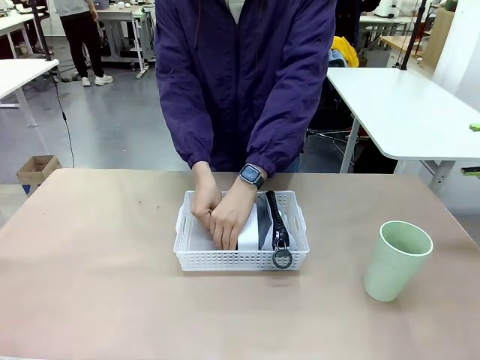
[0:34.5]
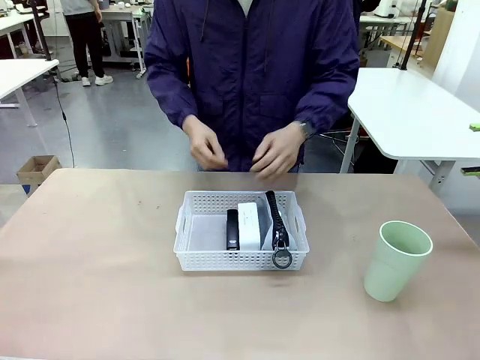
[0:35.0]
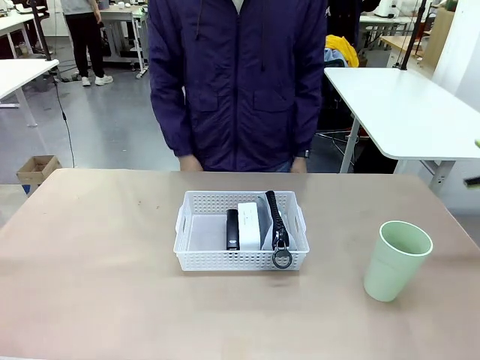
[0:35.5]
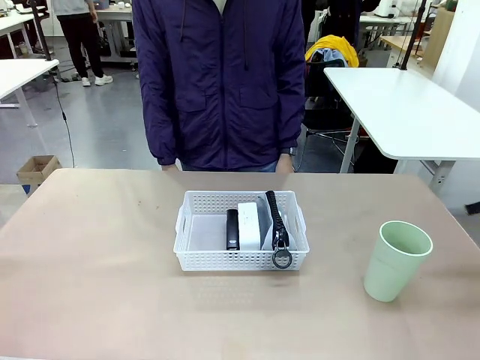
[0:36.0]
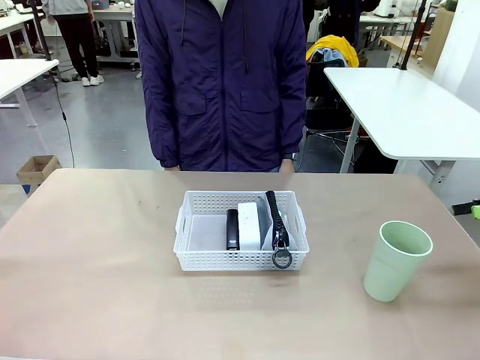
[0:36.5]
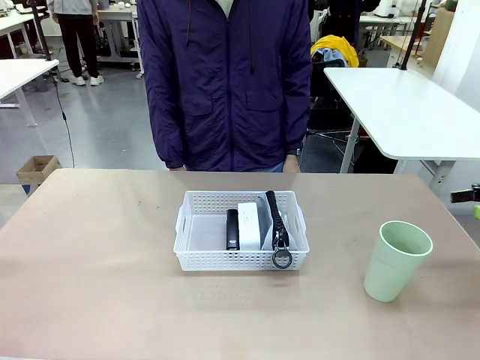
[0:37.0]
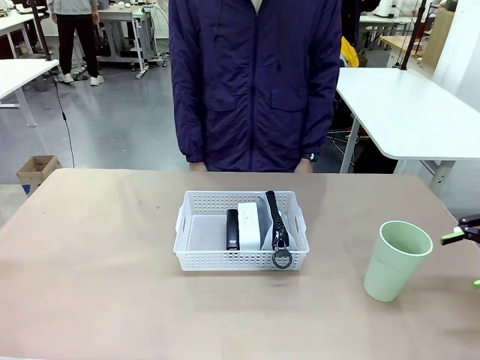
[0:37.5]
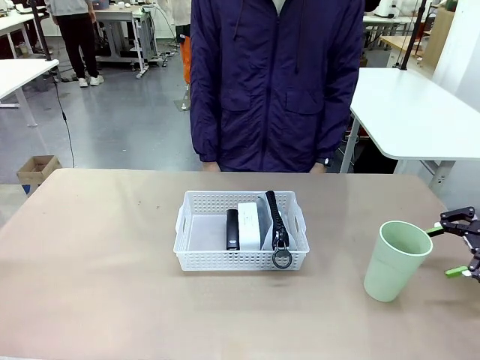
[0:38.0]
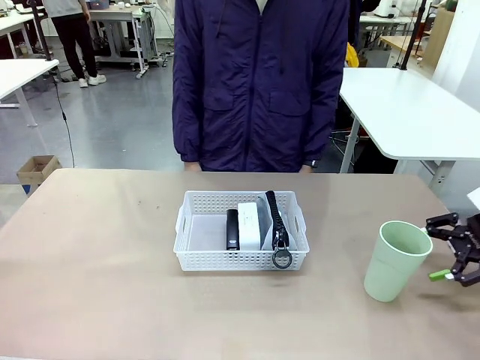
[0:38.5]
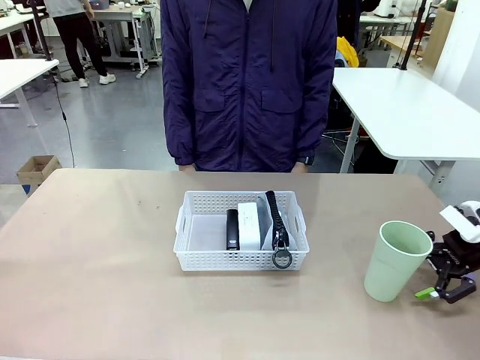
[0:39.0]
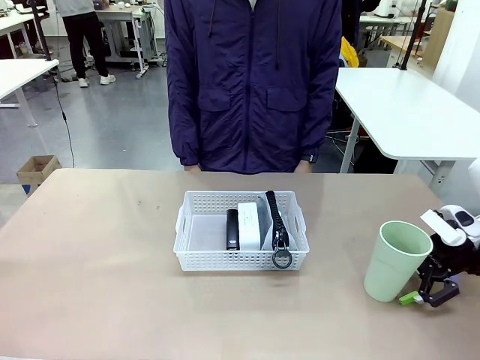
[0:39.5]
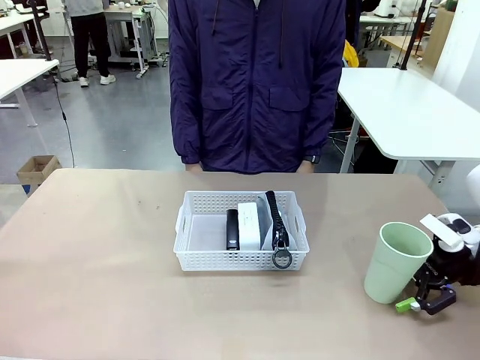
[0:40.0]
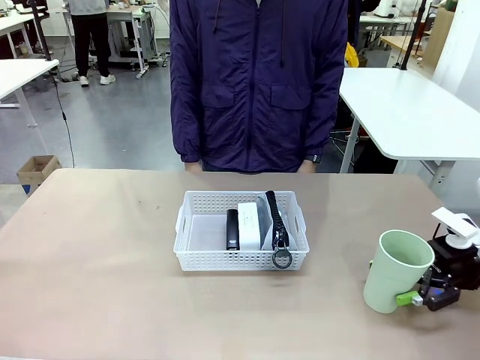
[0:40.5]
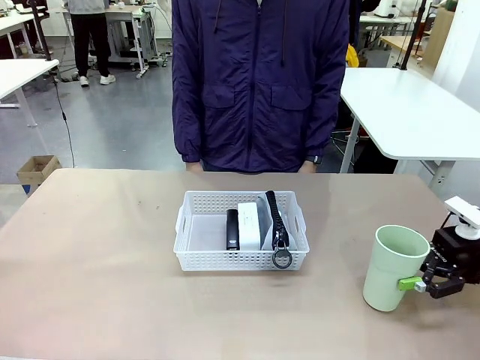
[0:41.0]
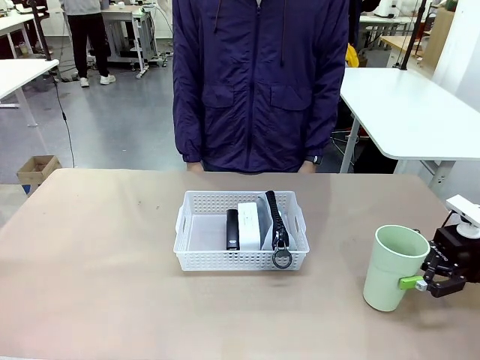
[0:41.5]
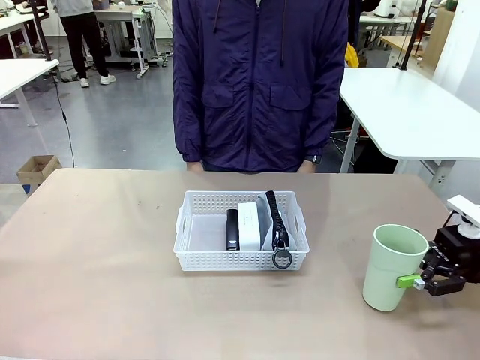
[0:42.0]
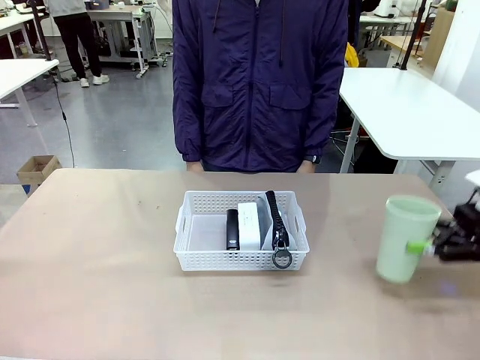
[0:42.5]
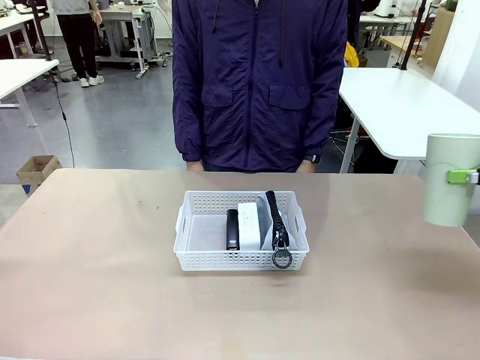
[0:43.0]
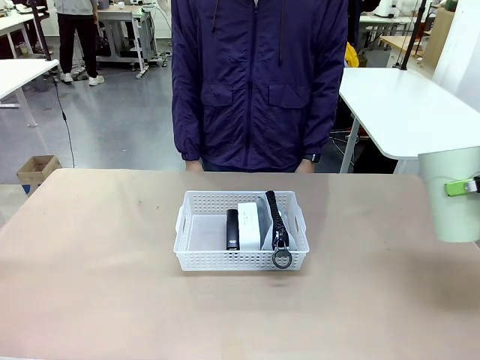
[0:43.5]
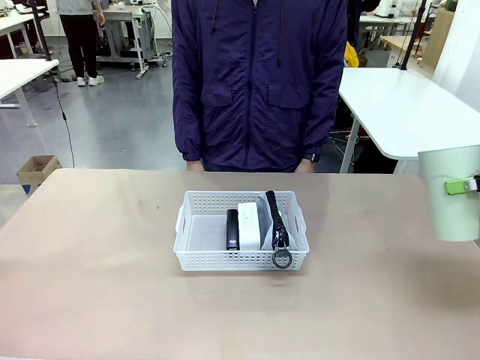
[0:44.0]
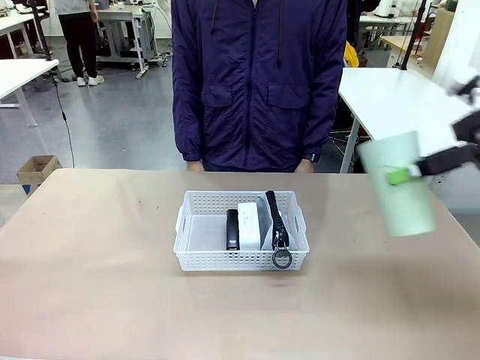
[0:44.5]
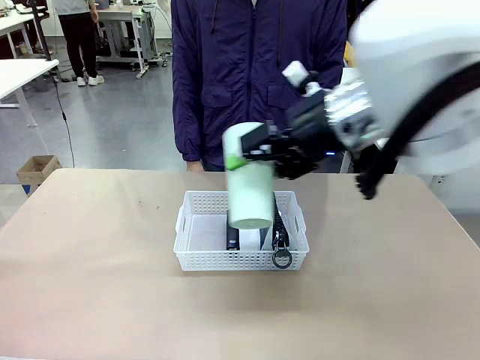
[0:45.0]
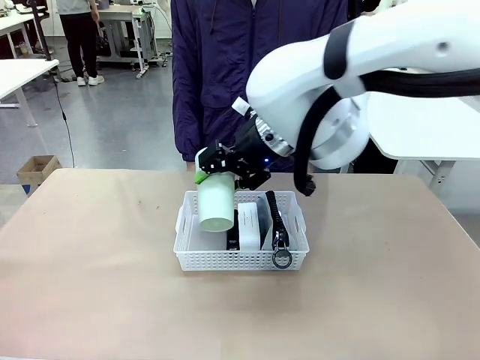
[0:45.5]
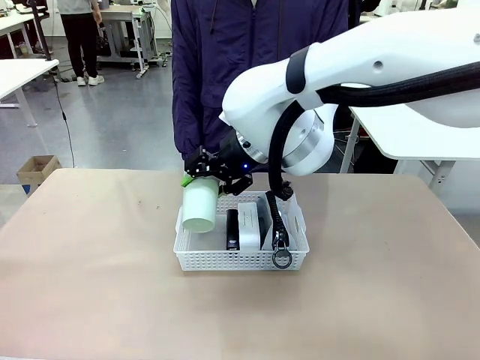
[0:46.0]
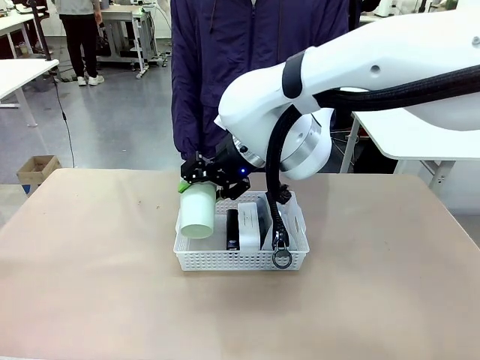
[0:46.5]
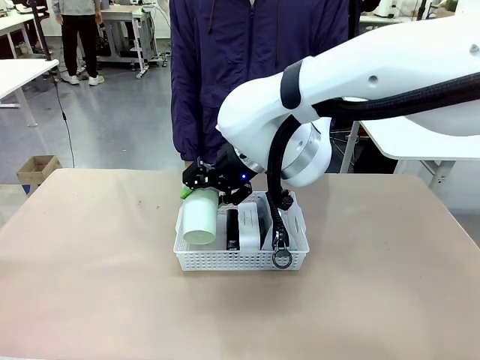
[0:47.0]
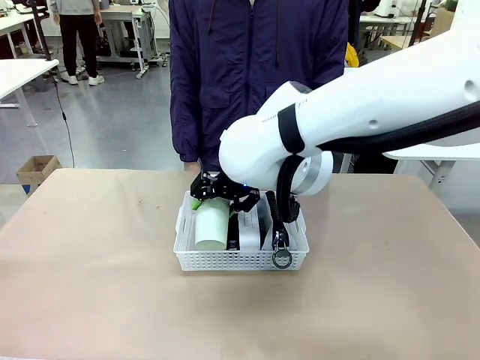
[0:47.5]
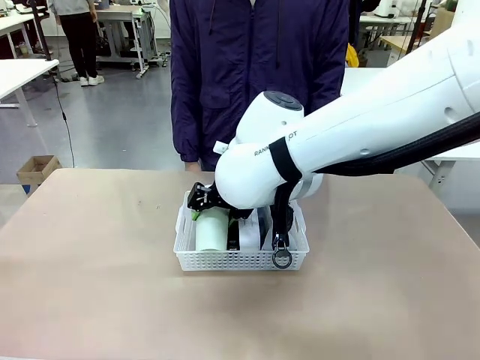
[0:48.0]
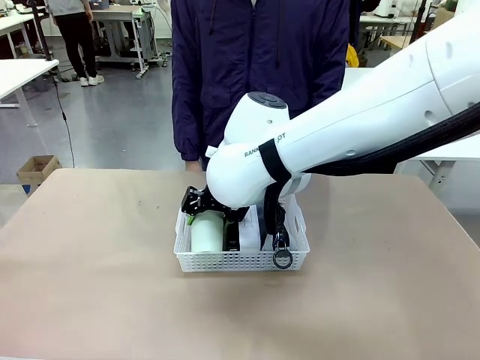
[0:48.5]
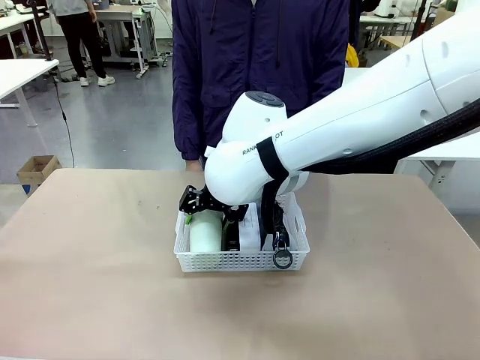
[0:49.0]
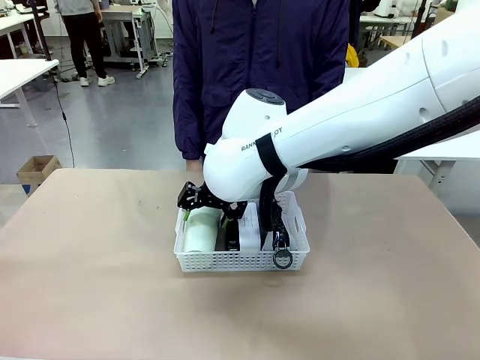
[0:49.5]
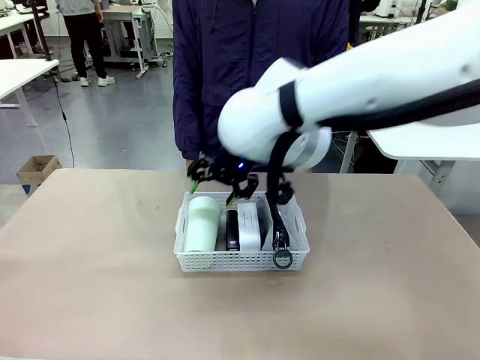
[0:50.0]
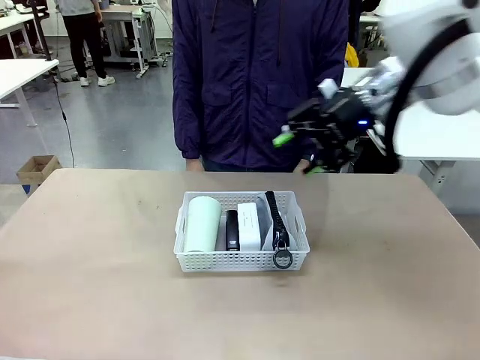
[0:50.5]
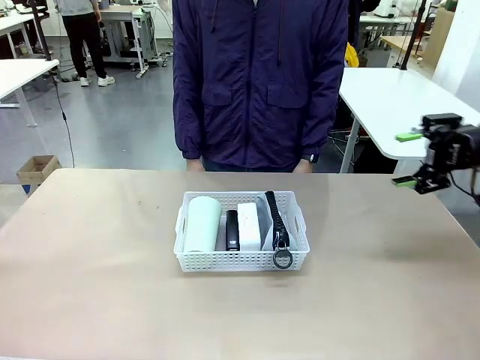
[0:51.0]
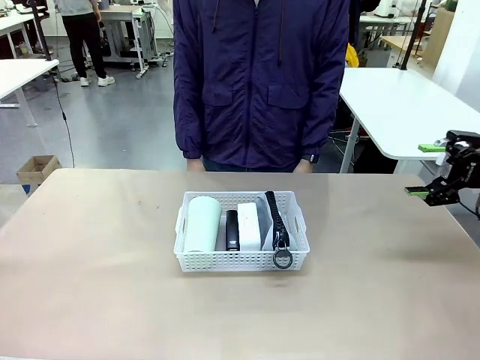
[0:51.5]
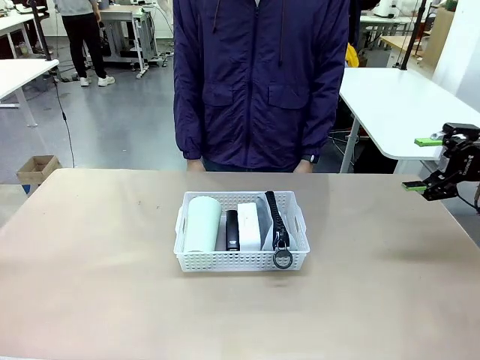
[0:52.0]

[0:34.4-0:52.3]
Task: Efficiently arrange items inside the basket to fit them all.
Robot: Pick up the Reusable plastic cup and place it inside the Organizing basket.
Person: Repositions the stapler.

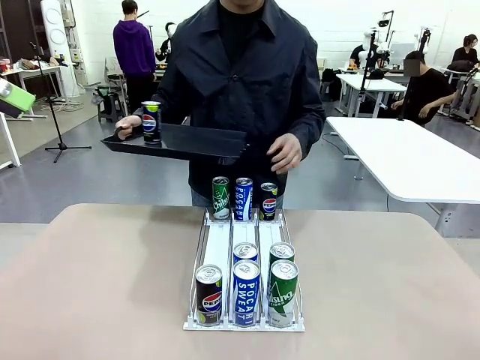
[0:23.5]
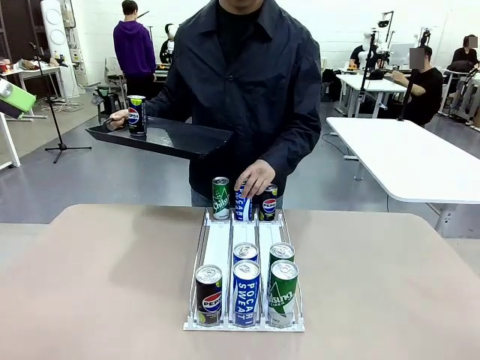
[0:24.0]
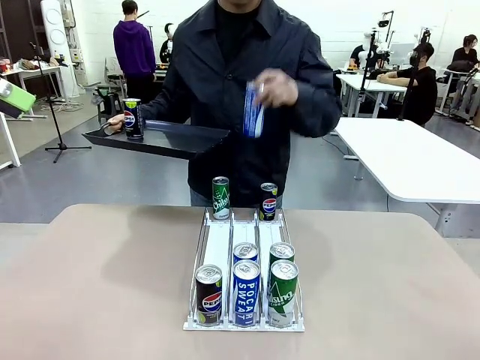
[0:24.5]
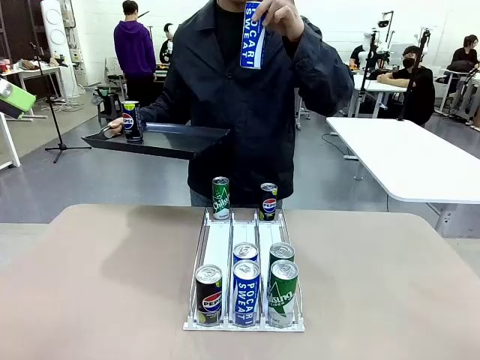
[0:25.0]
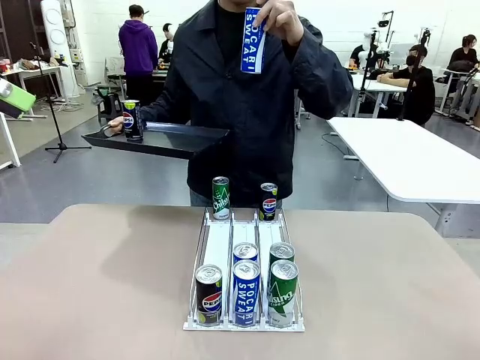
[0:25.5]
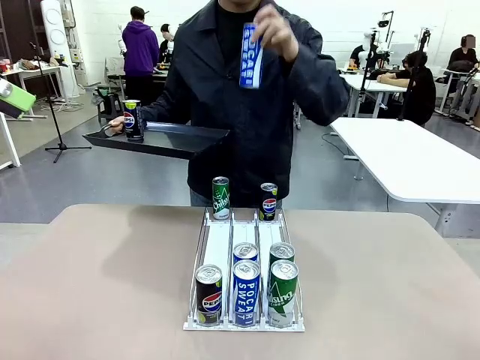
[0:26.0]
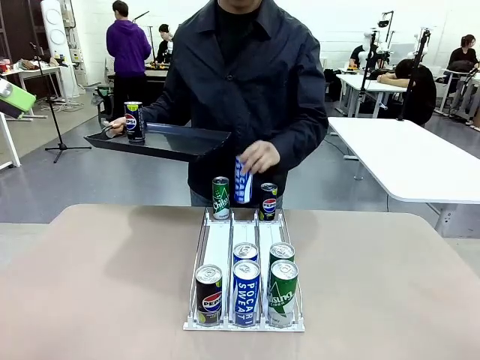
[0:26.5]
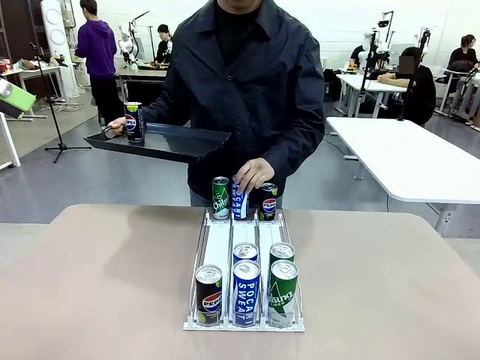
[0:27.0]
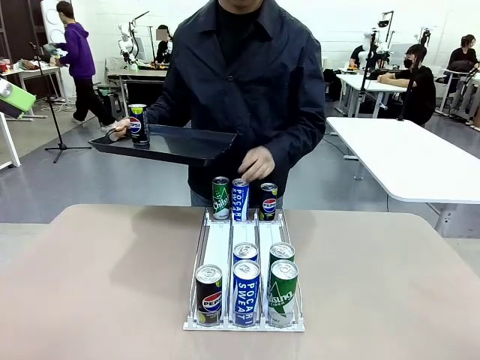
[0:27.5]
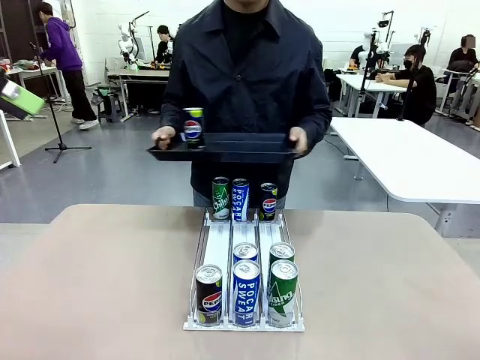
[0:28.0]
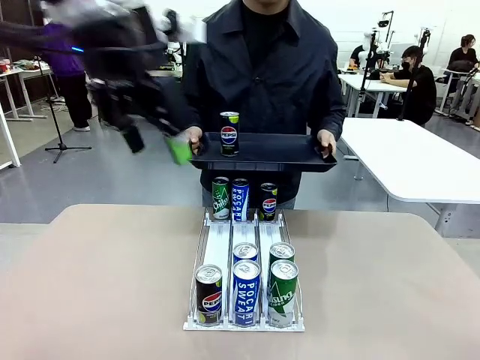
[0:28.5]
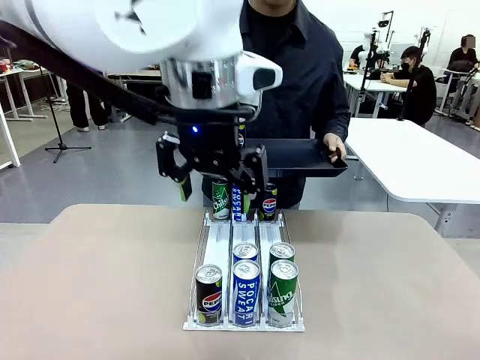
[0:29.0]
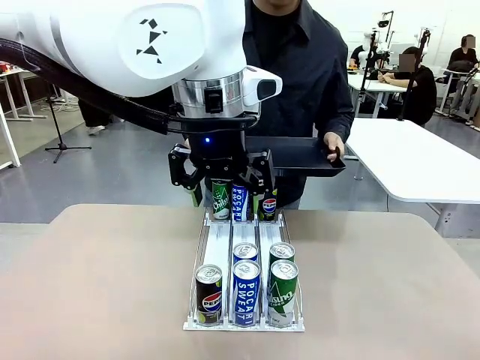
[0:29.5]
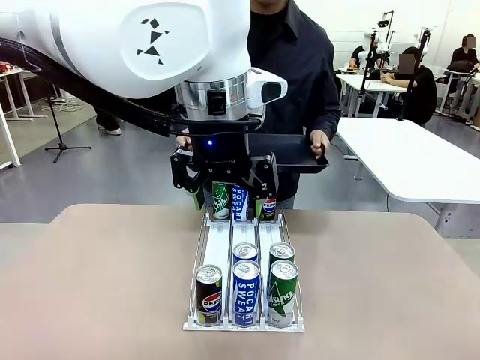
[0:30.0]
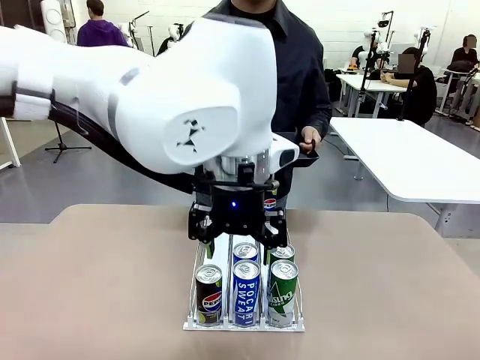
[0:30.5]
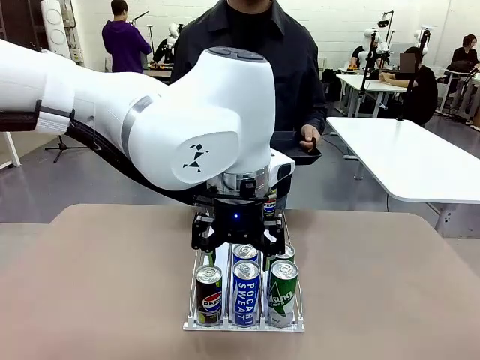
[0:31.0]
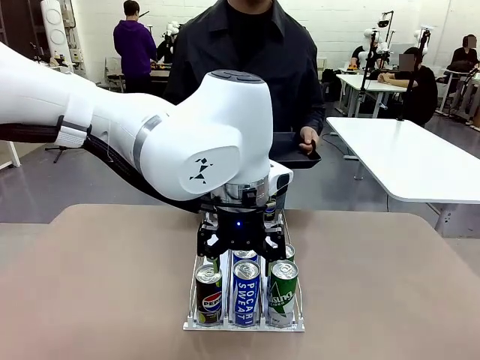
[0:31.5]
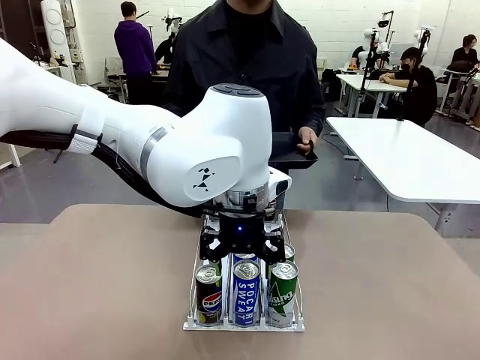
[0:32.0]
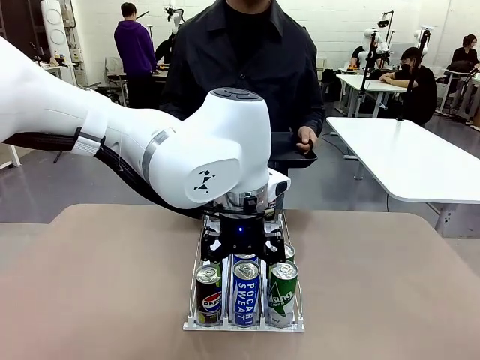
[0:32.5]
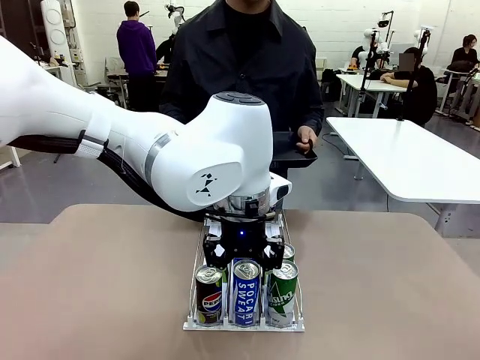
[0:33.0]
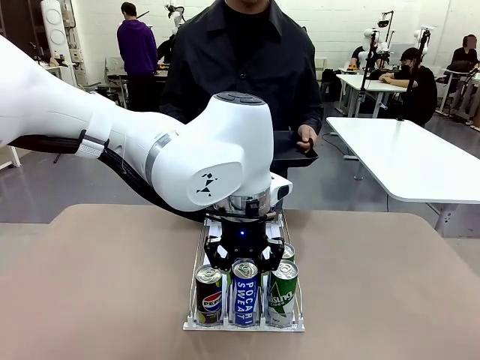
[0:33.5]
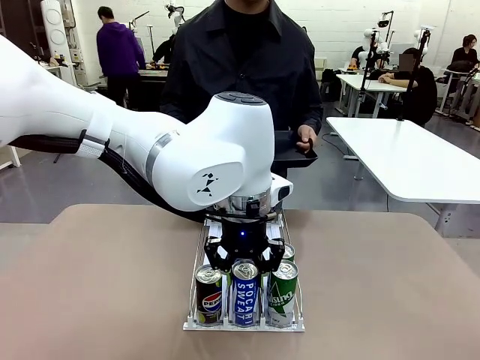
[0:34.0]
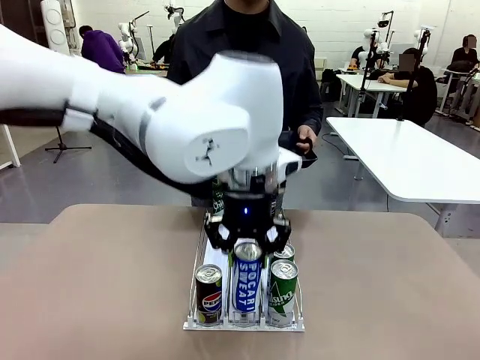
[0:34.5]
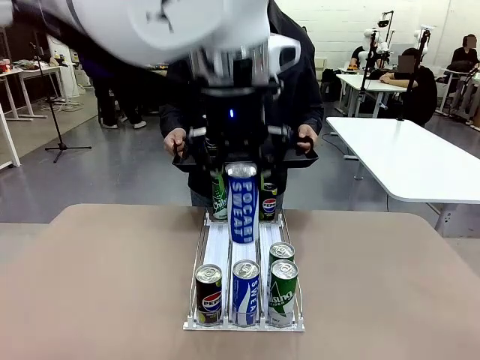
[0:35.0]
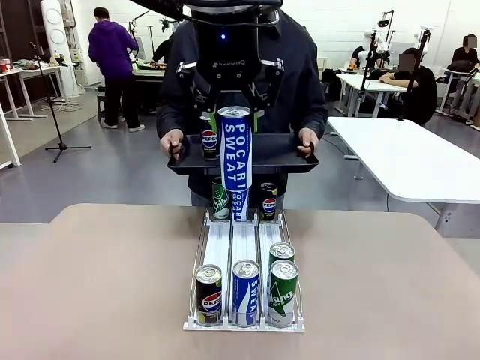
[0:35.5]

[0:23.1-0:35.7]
Task: Retrieve and hand over the desired beverage to the person.
Robot: Pick up another can of the same type that the person held from the Automatic Can Dispenser.
Person: Pull the tray back, then pick up another can from the bottom area of the table and puts it back in its original place. Push the tray toward the robot again.
